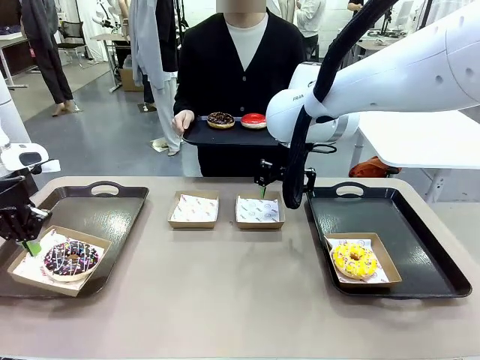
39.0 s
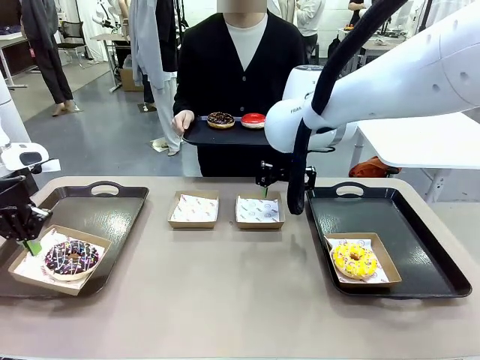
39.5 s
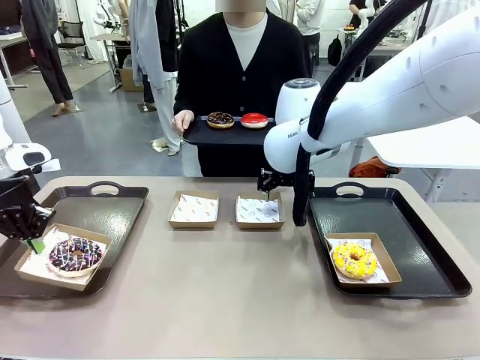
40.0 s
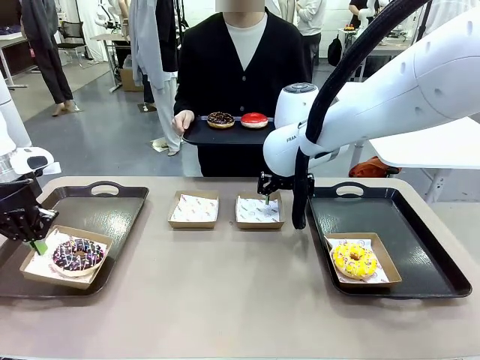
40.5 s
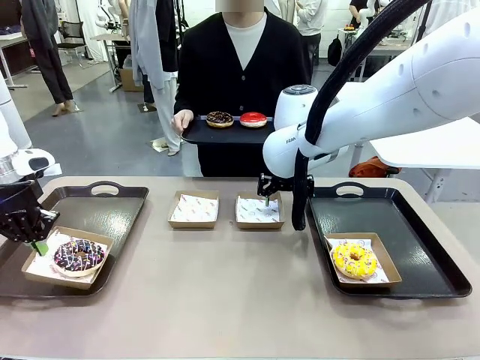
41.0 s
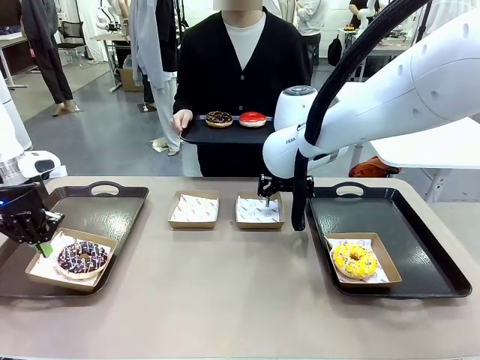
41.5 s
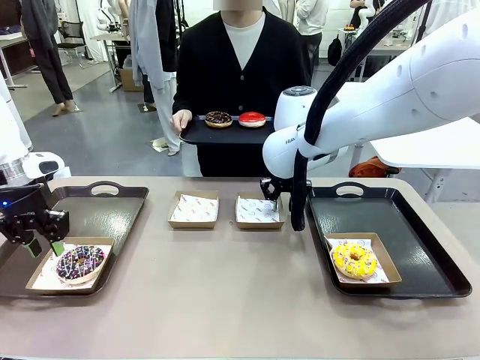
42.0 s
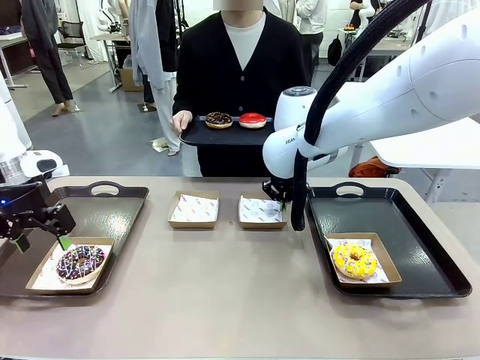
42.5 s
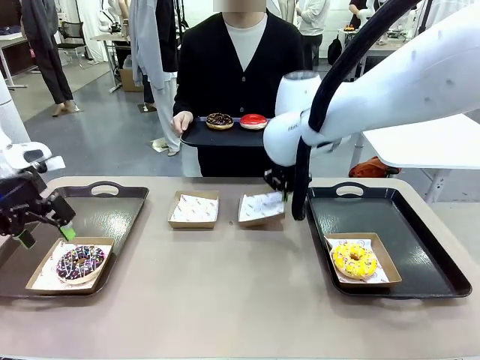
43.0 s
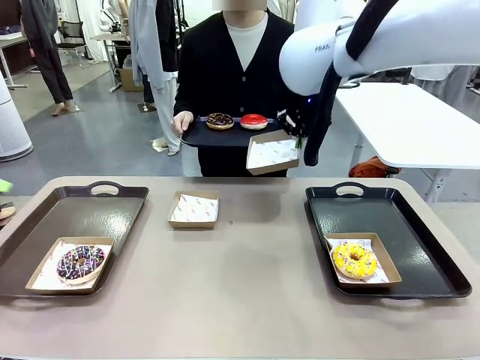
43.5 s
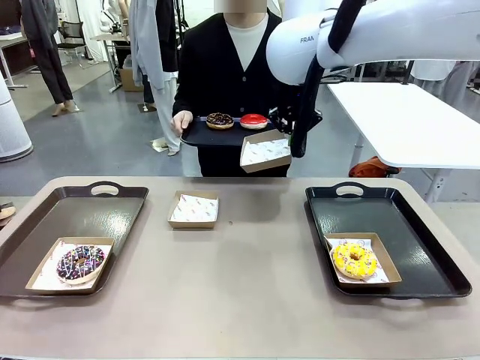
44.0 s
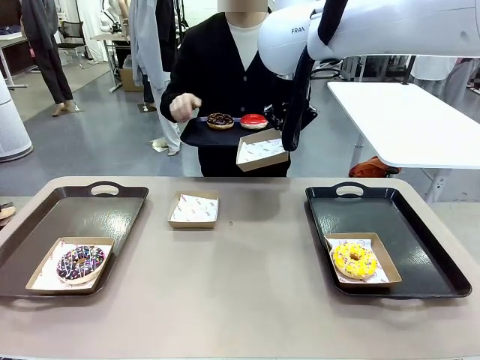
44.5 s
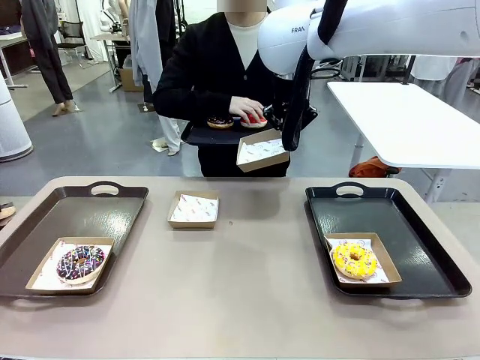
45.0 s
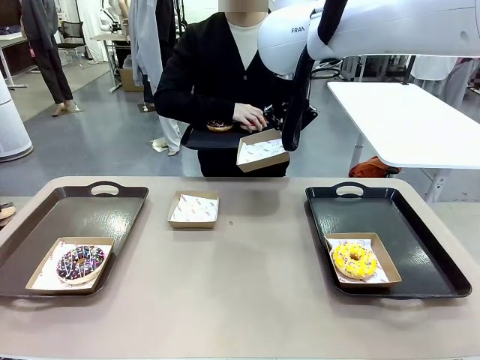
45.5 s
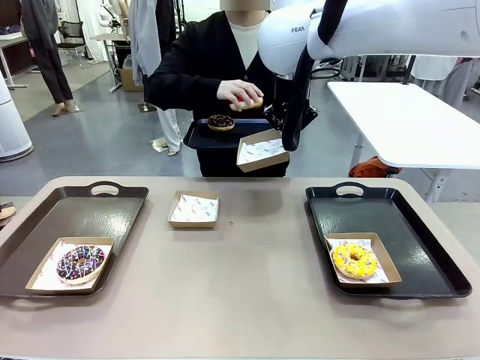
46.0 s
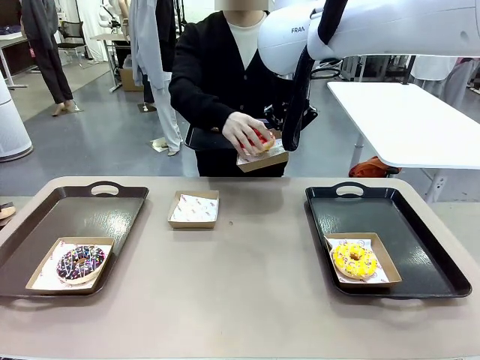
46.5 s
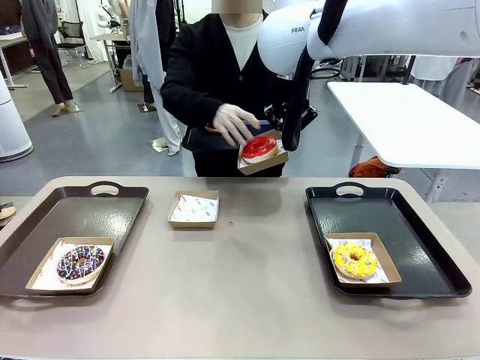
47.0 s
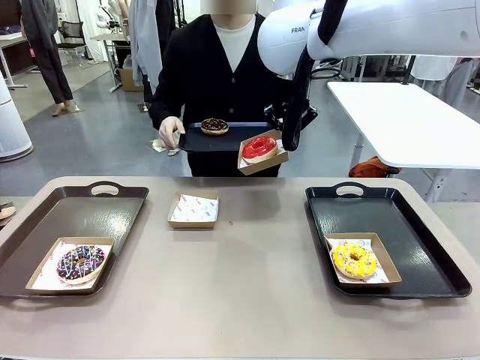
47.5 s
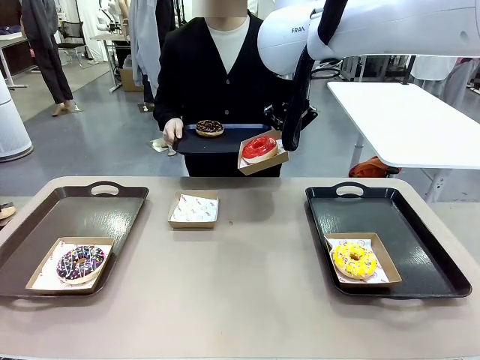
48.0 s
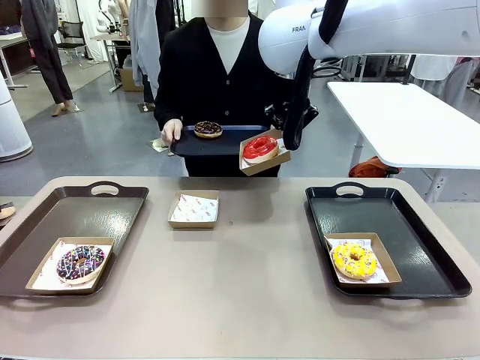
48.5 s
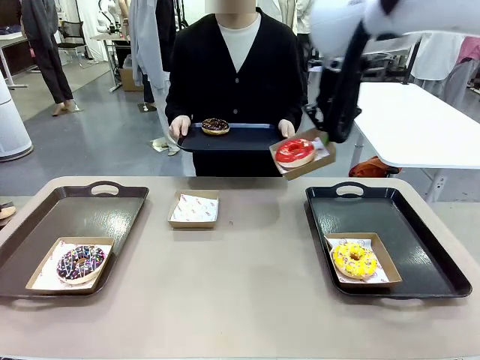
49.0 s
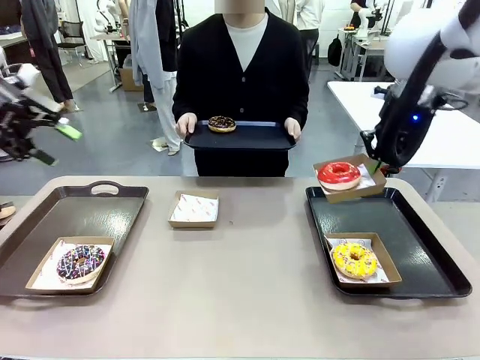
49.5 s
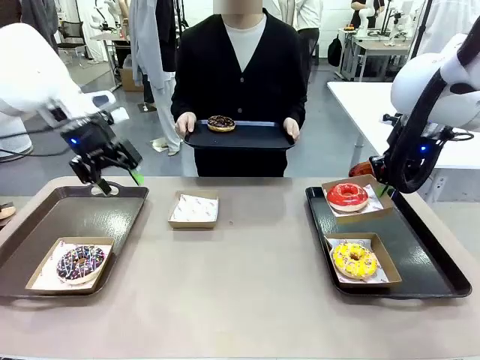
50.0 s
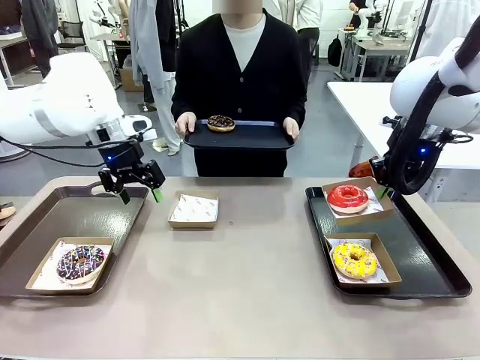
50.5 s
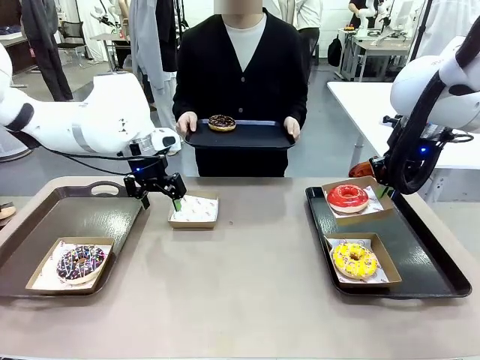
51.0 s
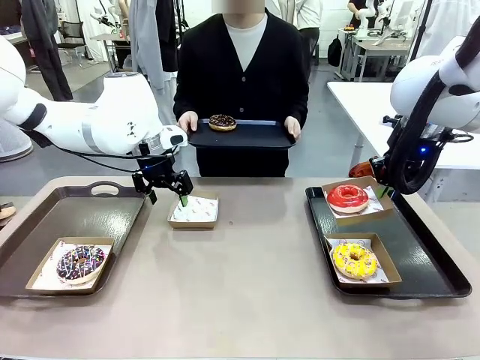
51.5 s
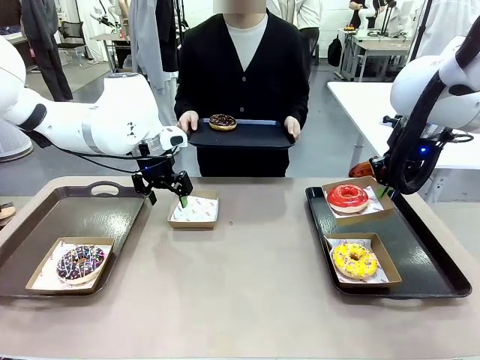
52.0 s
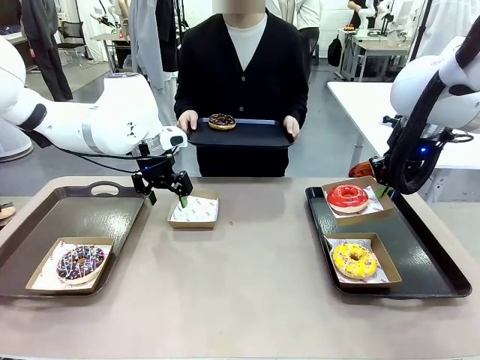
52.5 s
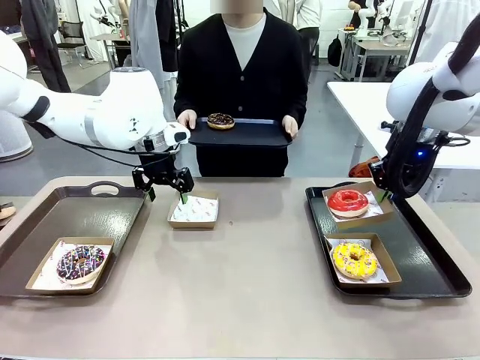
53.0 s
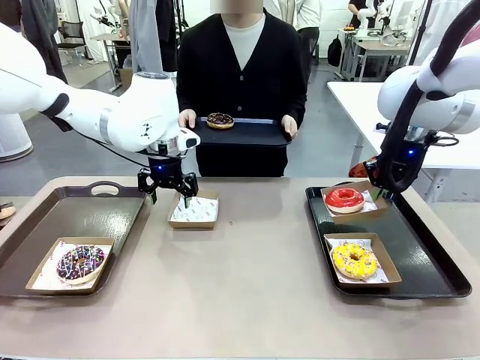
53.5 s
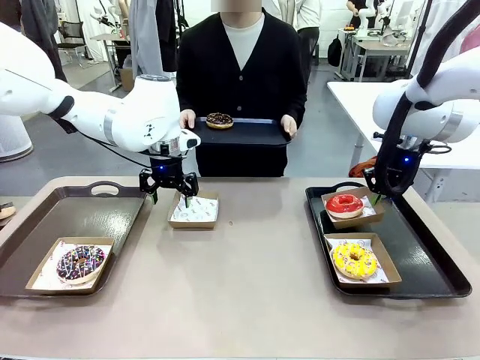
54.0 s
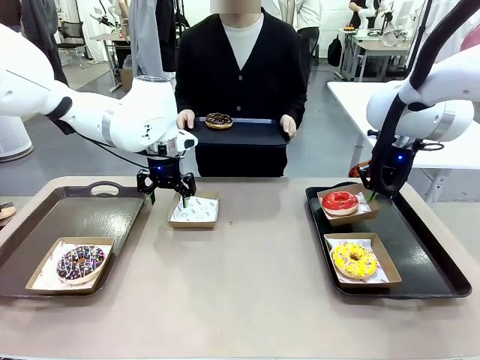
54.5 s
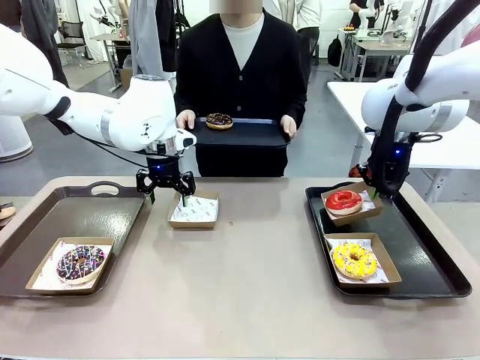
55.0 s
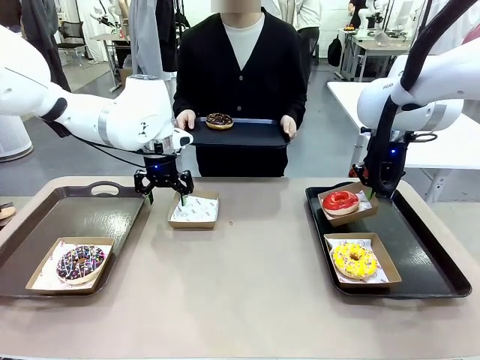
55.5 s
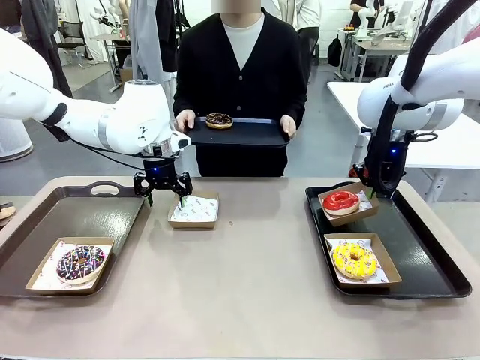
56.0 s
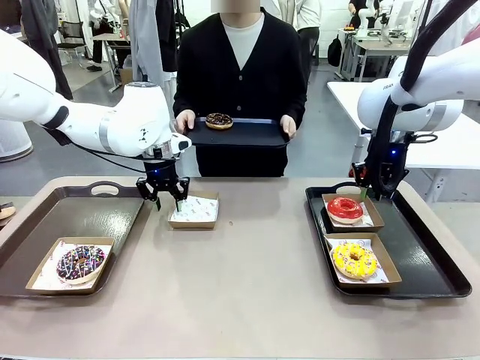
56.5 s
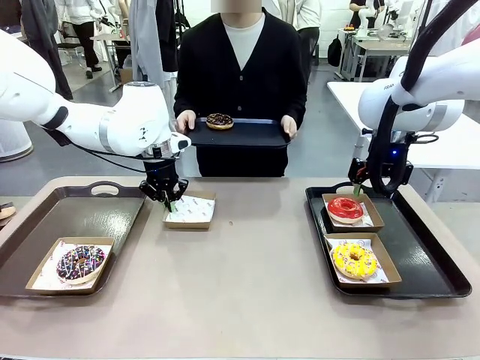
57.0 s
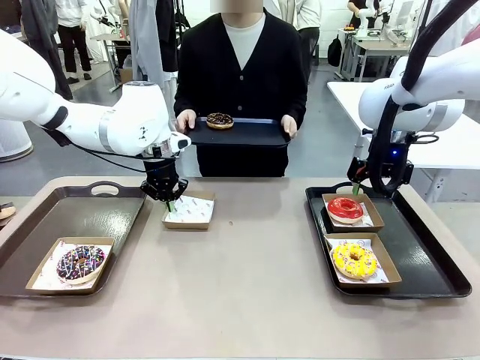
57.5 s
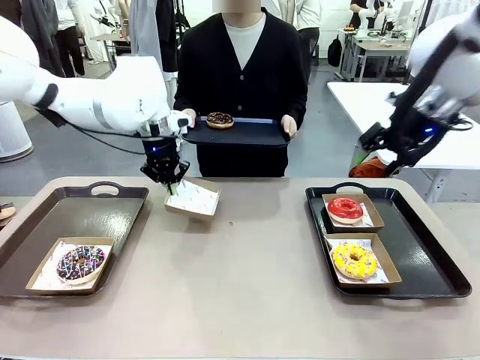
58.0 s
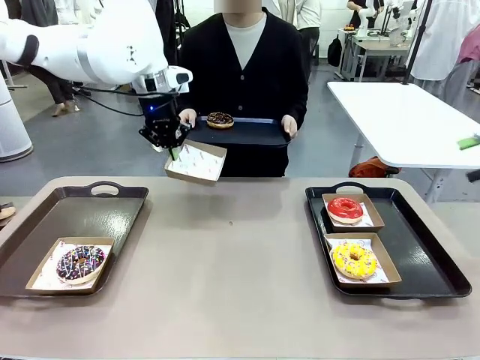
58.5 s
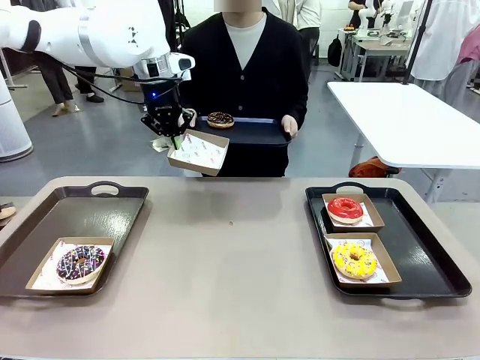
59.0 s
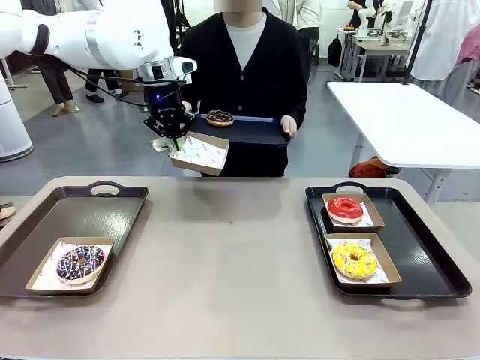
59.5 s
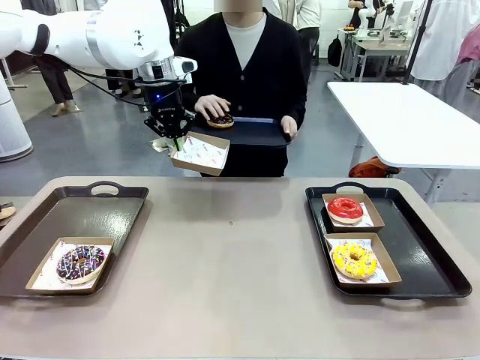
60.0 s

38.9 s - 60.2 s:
Task: Individually package the donuts and arrange them on the tray.
Robot: Place the picked Paper togo box on the Handle tray while simultaneously picking up another Paper togo box from the table with the other hand.

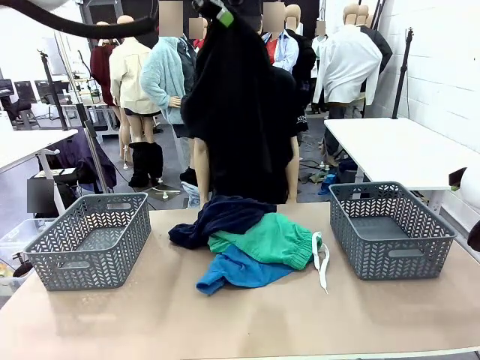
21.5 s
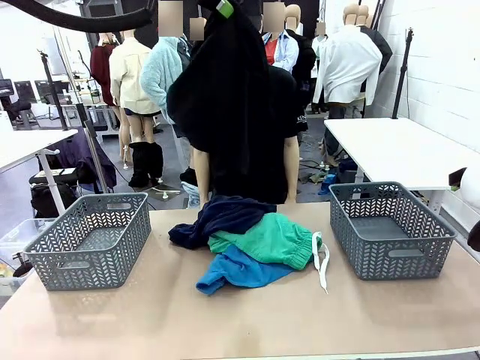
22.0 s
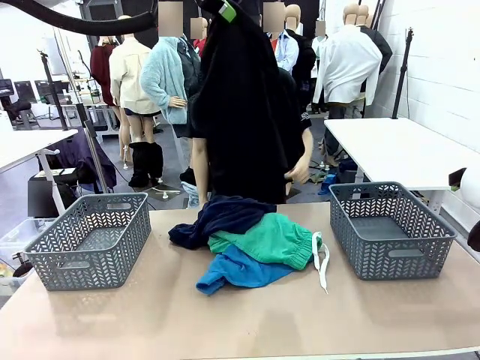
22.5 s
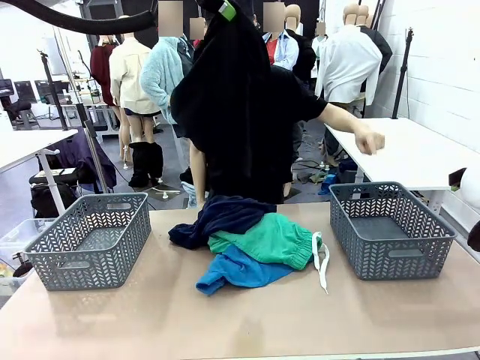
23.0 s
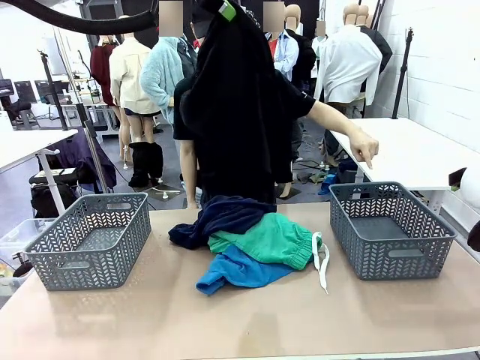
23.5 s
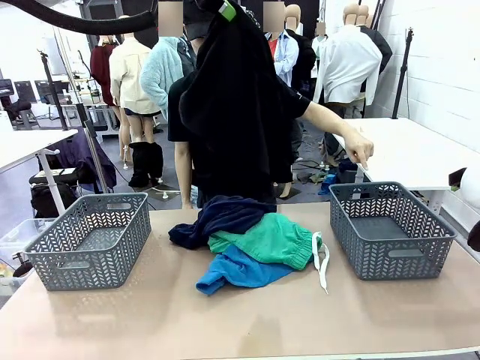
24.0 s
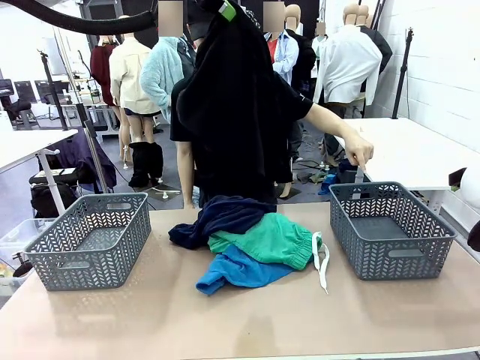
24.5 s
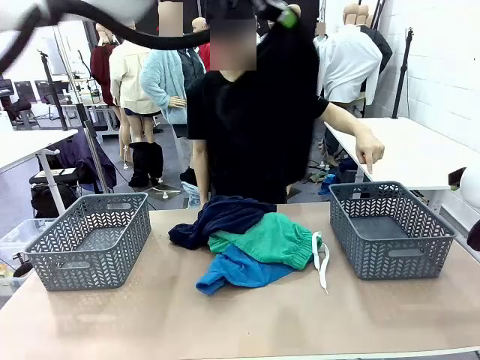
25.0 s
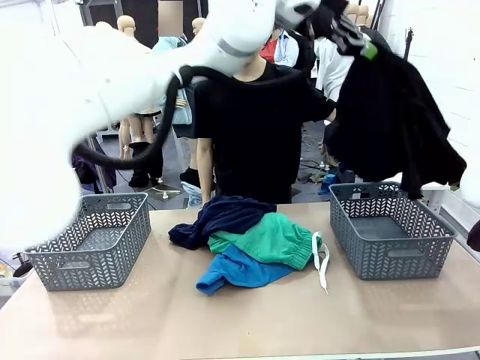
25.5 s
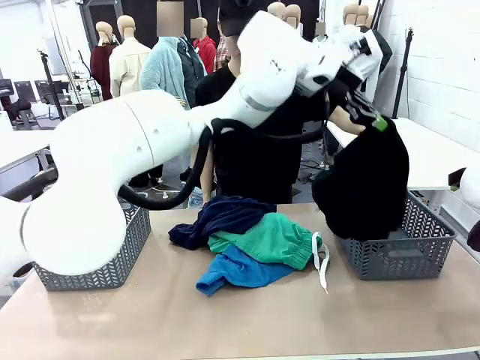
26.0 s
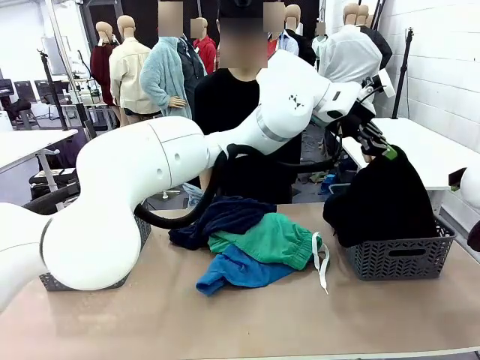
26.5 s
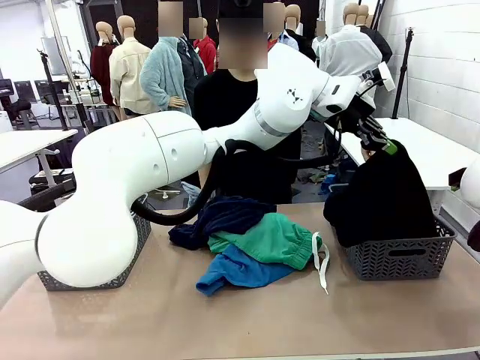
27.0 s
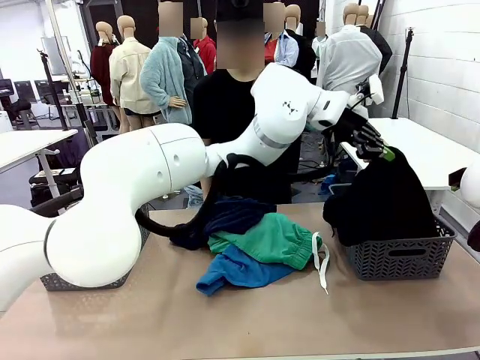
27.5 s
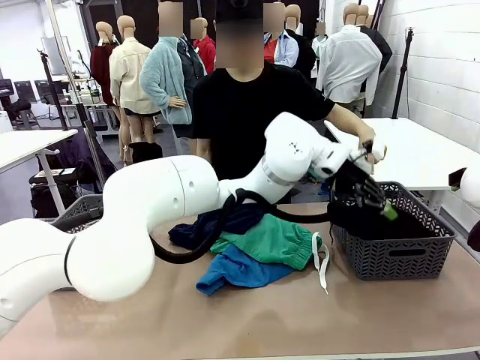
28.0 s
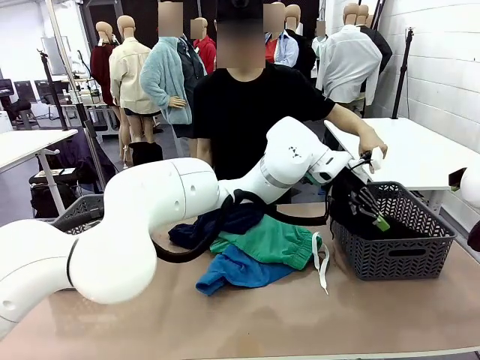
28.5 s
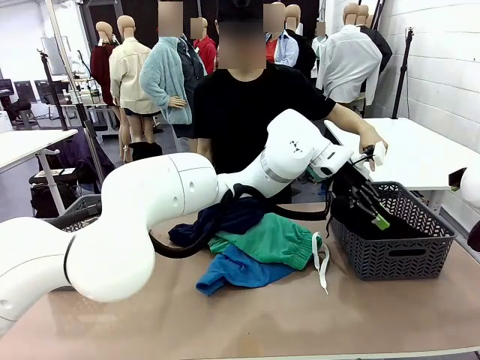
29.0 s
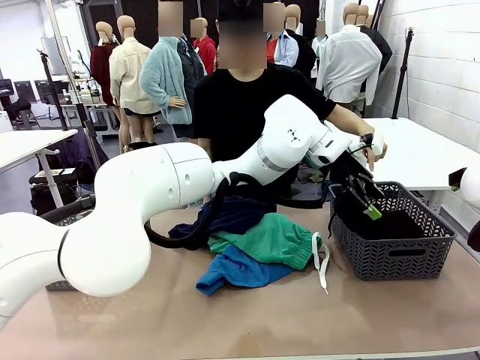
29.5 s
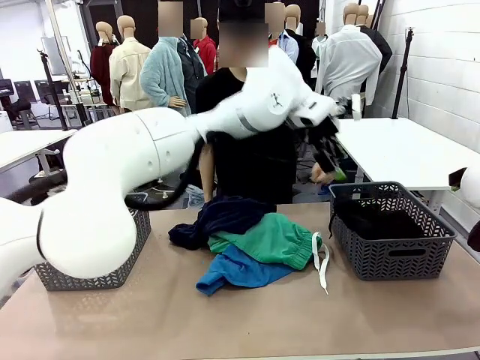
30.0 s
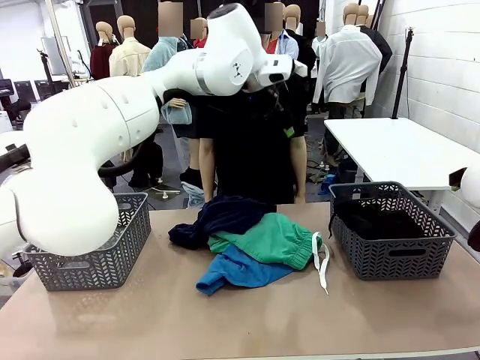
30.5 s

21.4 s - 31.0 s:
Task: Sort the tops and bottoms.
Robot: Sort the clothes according to human instructions.
